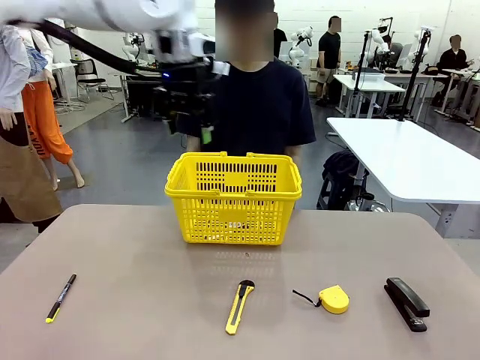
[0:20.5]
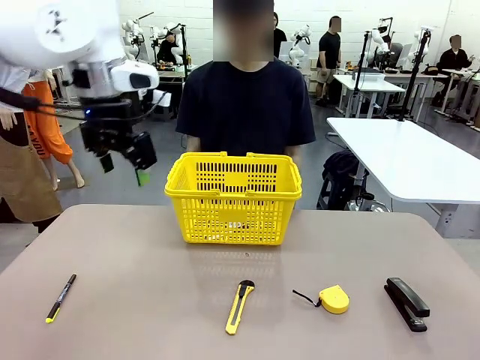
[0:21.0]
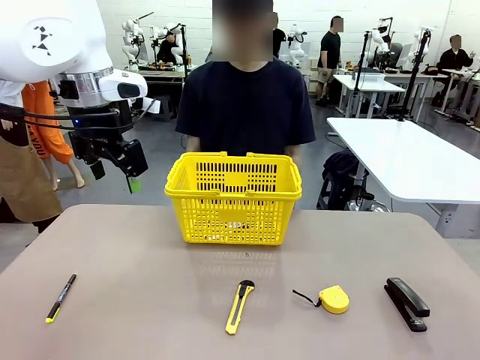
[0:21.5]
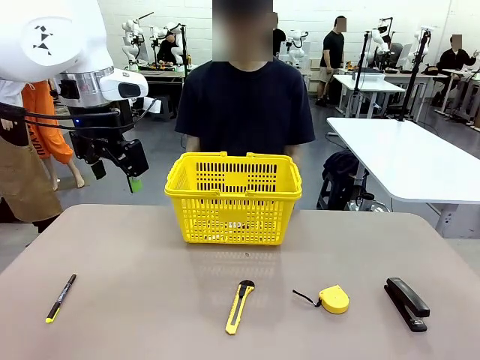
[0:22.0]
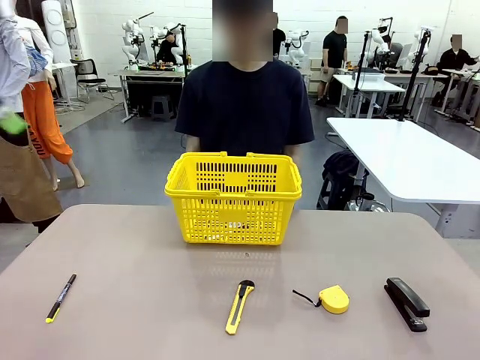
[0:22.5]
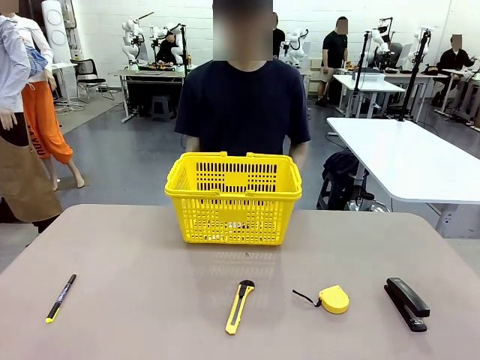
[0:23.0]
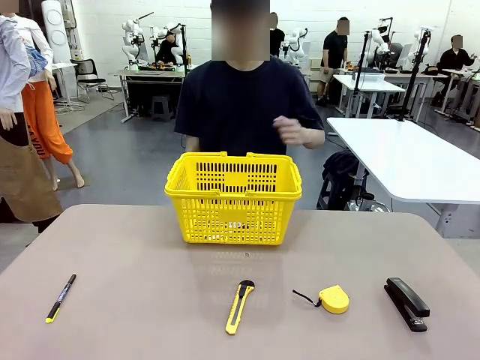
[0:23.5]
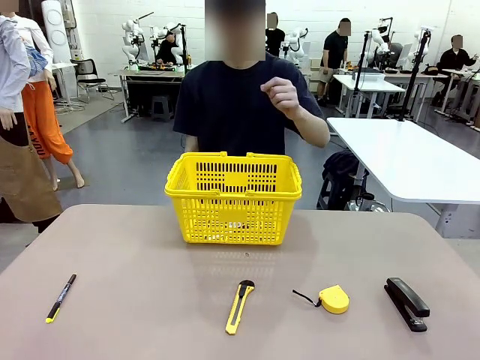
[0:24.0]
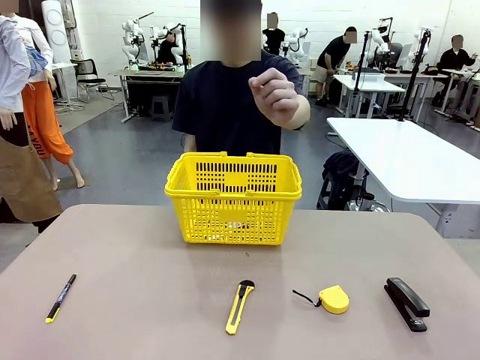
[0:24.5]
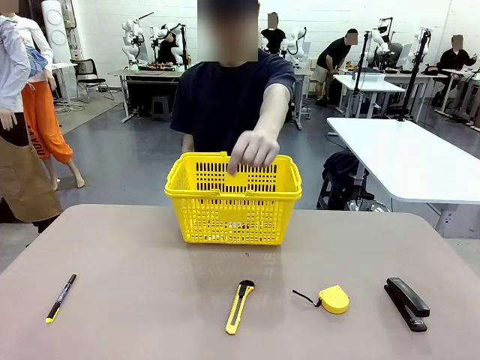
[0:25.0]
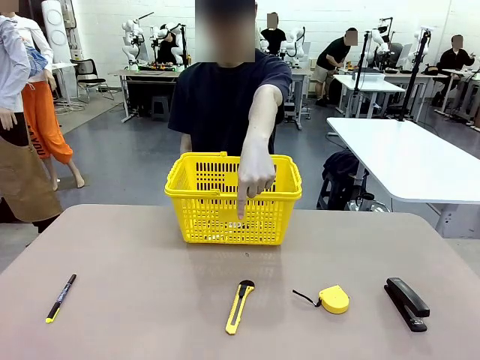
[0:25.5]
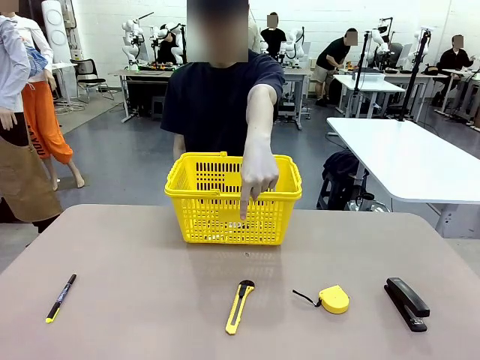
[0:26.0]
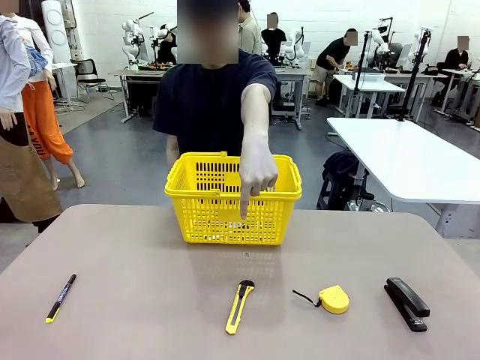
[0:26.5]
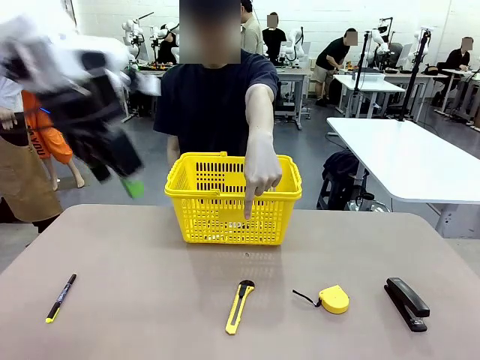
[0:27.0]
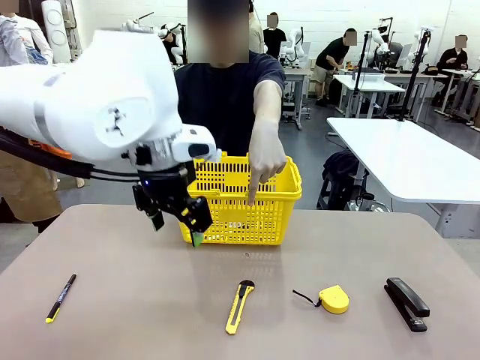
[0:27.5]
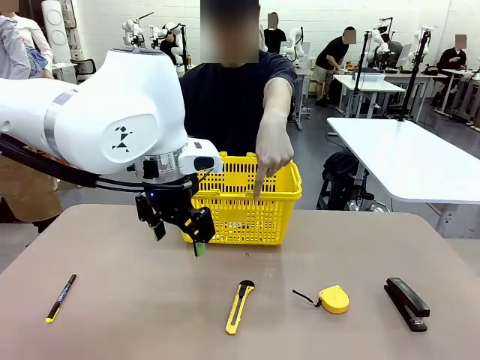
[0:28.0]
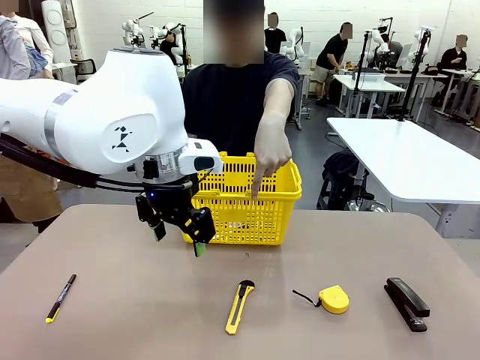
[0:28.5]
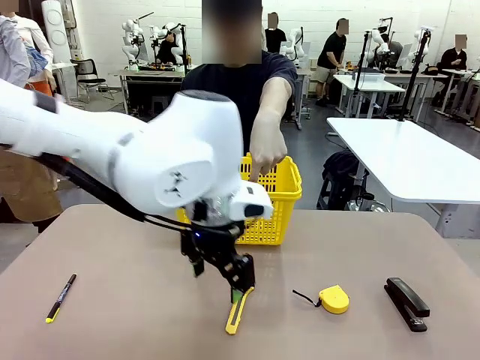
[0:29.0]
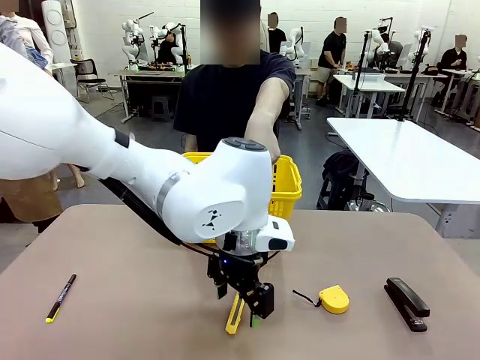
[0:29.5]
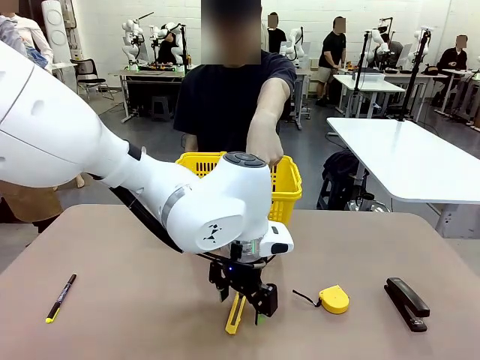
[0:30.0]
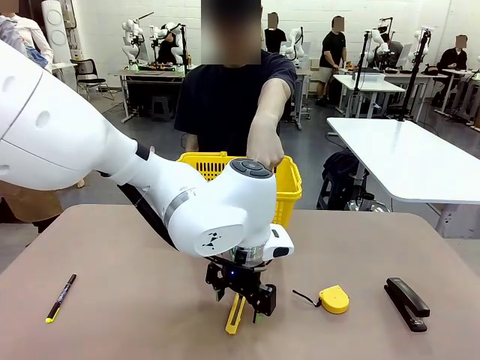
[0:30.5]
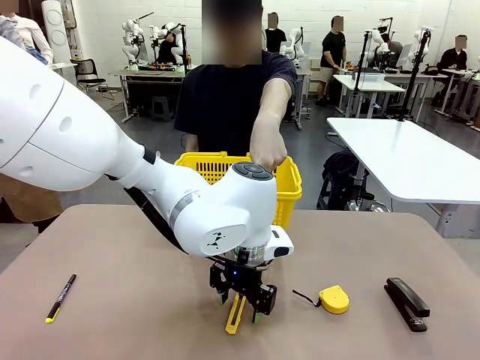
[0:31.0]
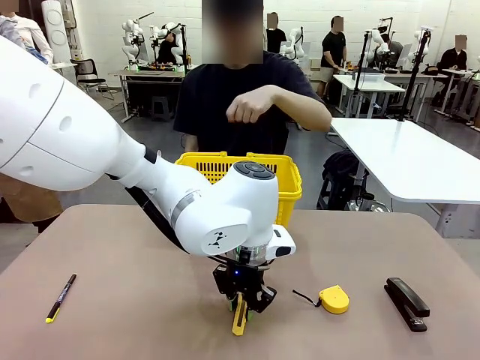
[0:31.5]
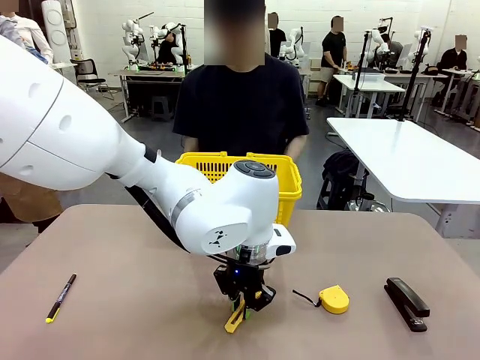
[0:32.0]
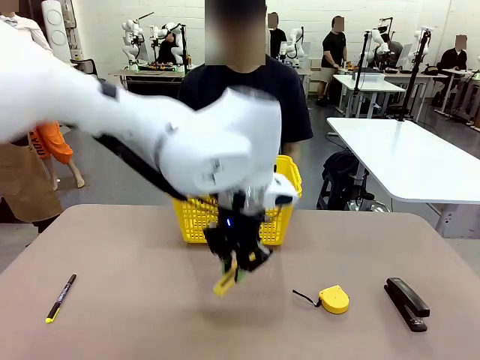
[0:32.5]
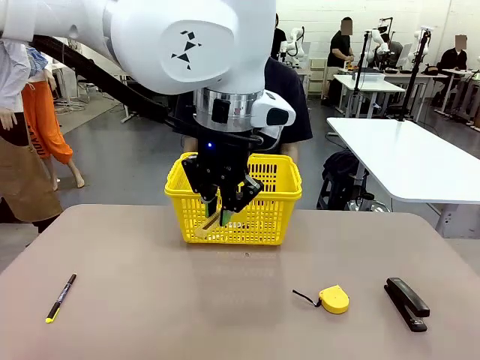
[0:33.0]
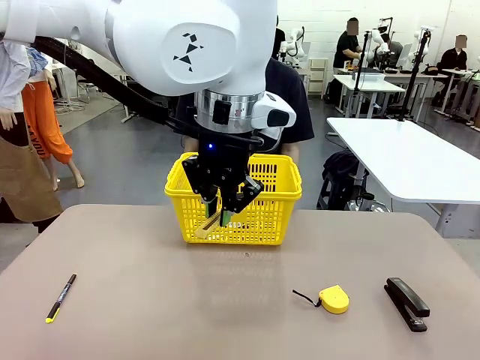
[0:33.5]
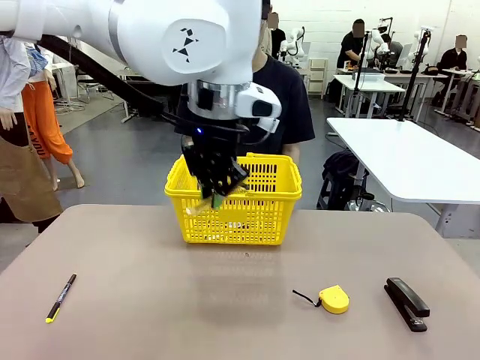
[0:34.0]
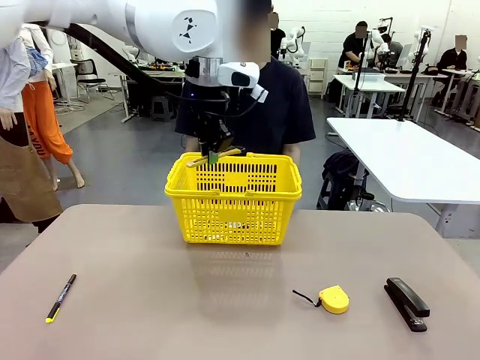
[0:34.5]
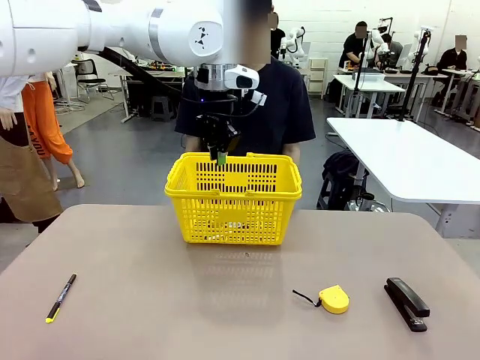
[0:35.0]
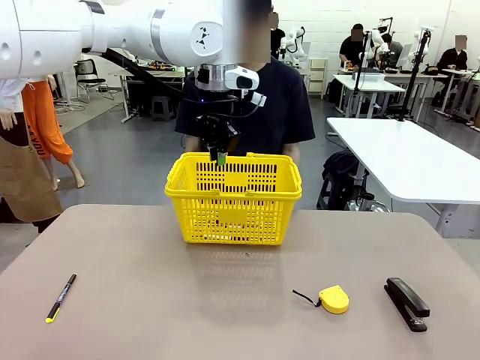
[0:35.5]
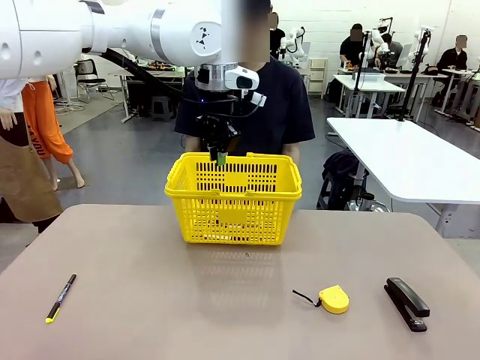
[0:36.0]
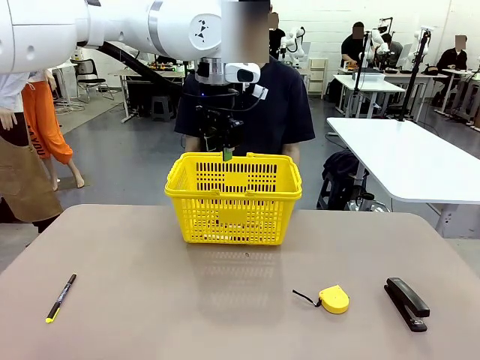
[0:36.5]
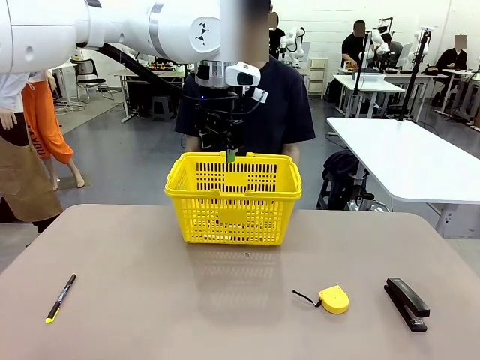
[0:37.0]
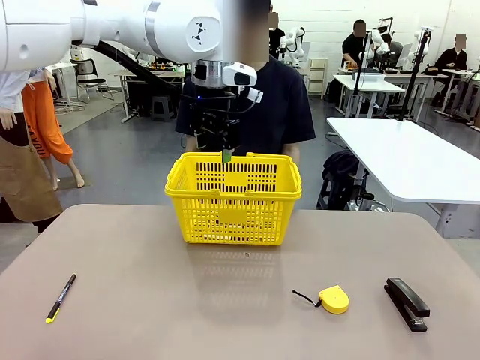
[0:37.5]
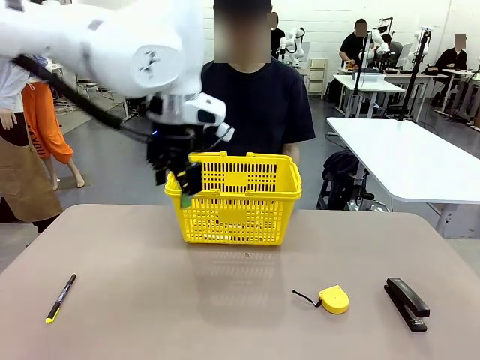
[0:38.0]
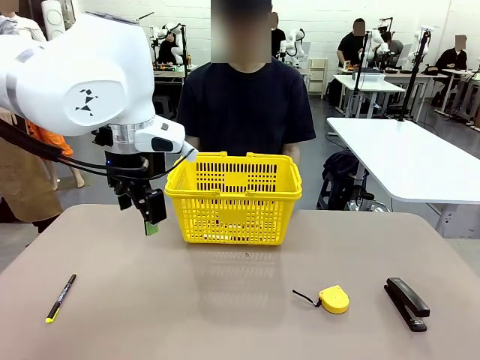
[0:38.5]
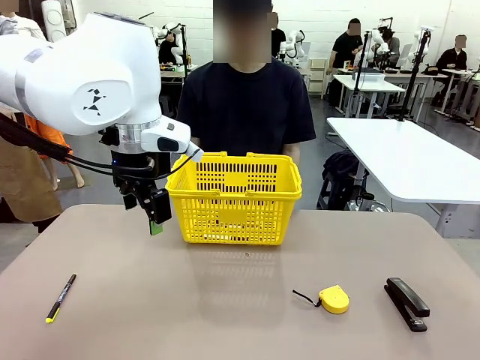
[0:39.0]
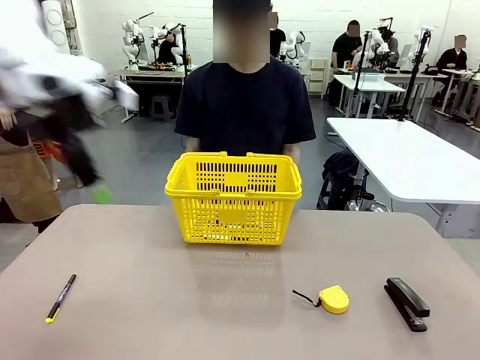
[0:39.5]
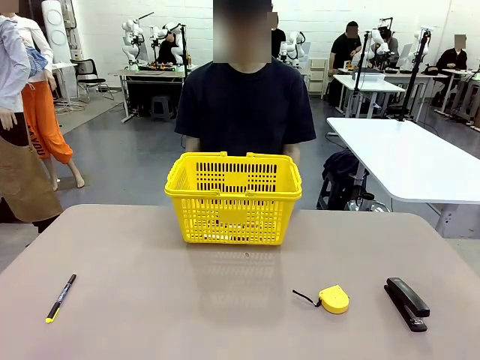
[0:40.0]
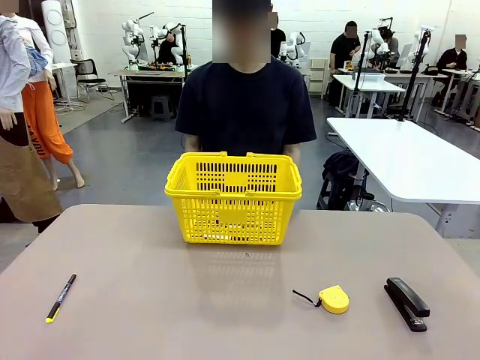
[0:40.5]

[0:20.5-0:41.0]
Task: Place the items the person wants into the basket.
Robot: Pick up the item the person points to and place it in the Market Basket.

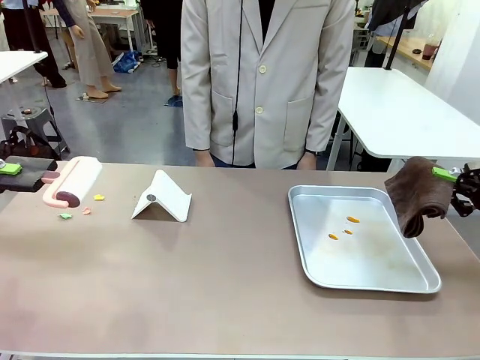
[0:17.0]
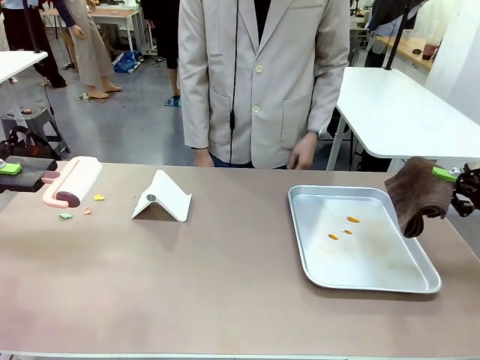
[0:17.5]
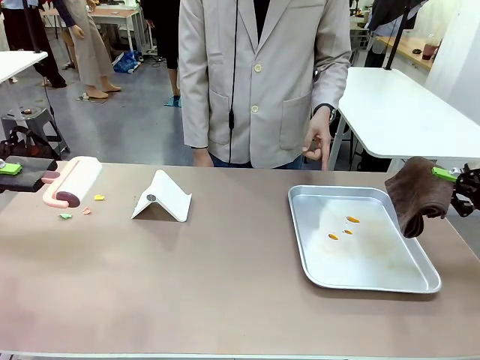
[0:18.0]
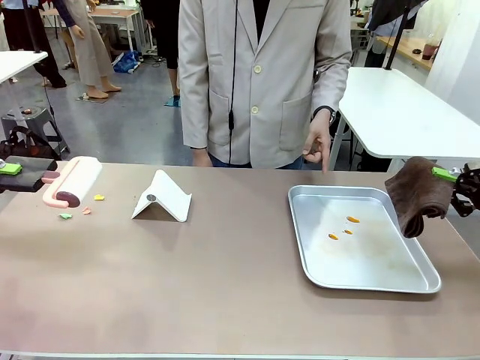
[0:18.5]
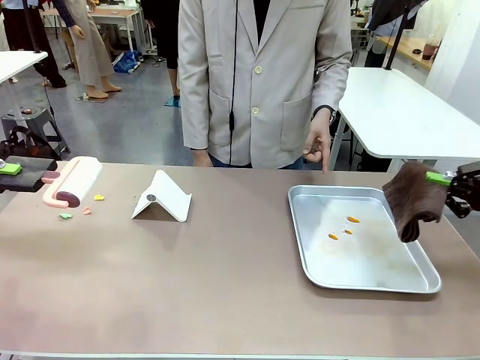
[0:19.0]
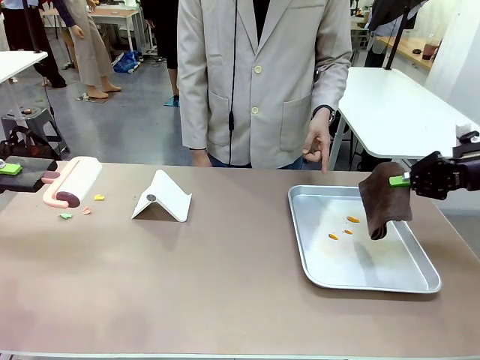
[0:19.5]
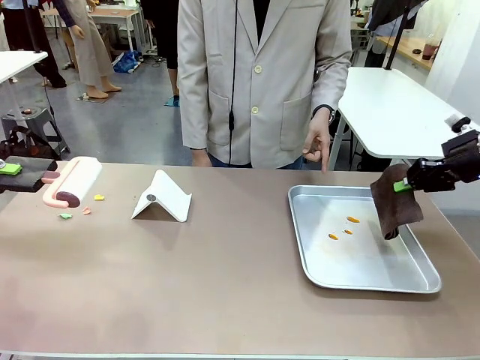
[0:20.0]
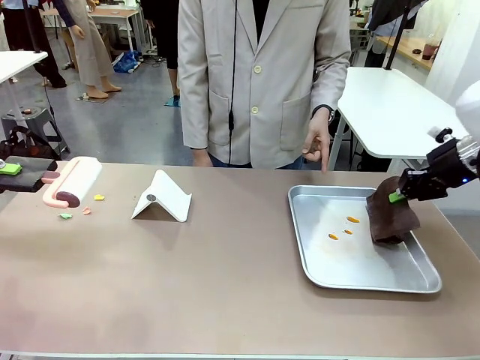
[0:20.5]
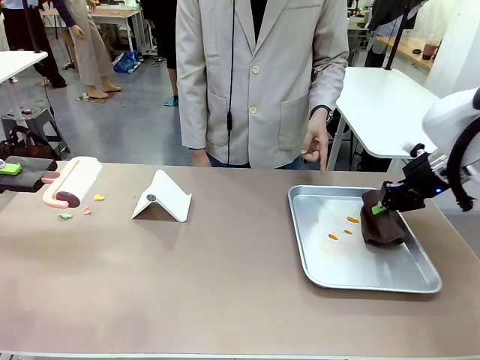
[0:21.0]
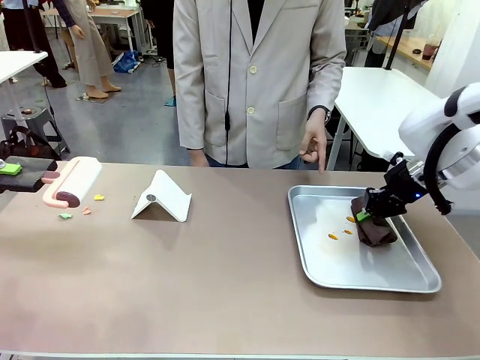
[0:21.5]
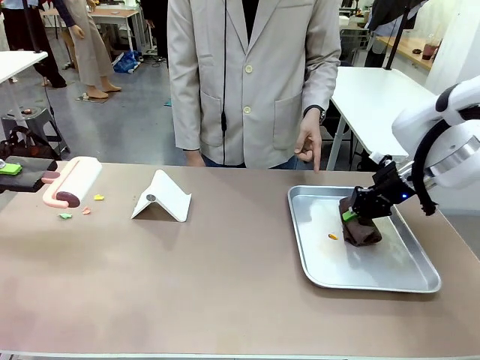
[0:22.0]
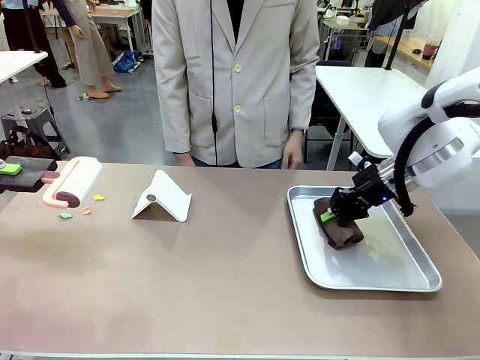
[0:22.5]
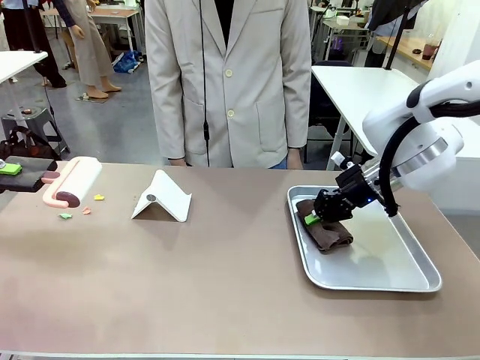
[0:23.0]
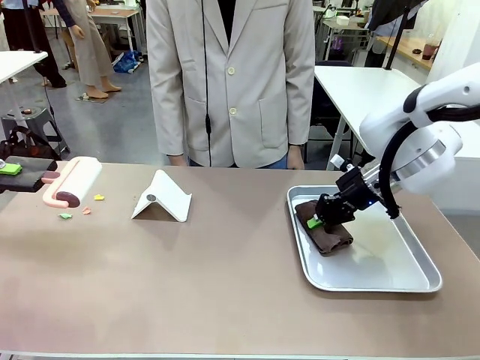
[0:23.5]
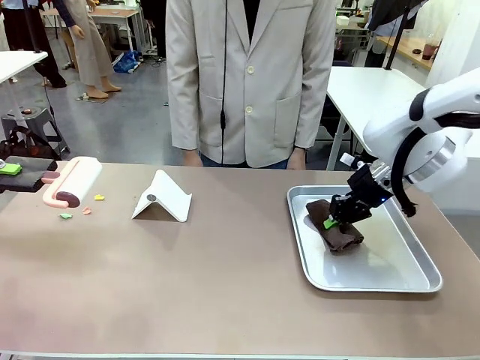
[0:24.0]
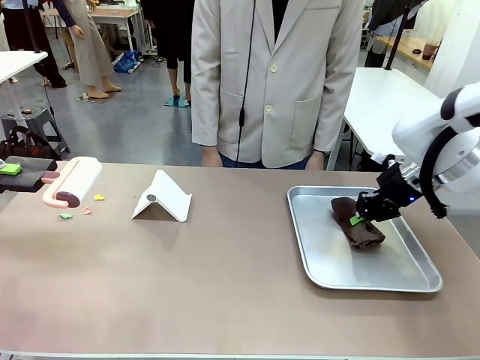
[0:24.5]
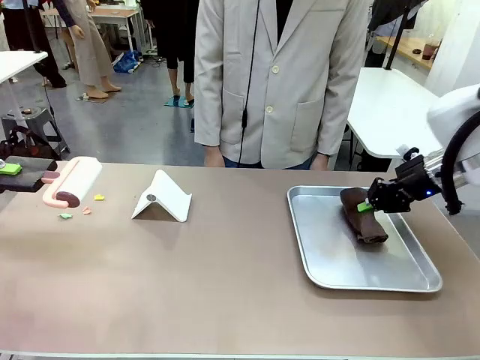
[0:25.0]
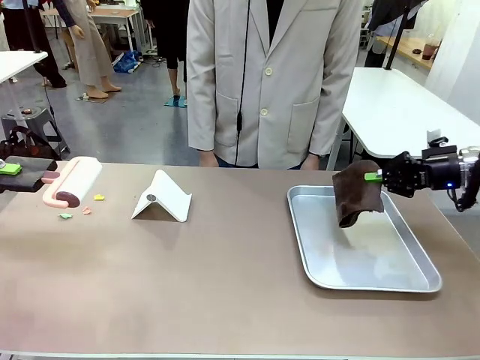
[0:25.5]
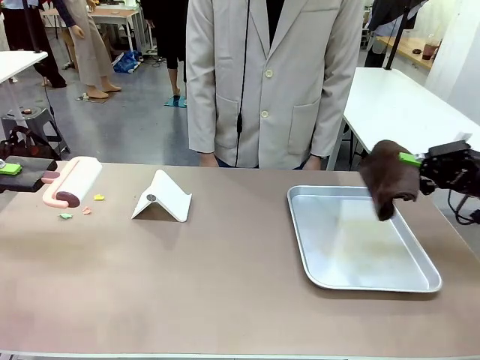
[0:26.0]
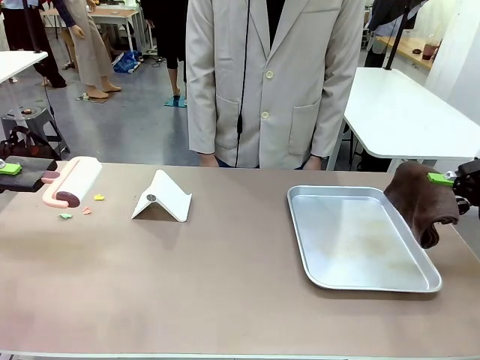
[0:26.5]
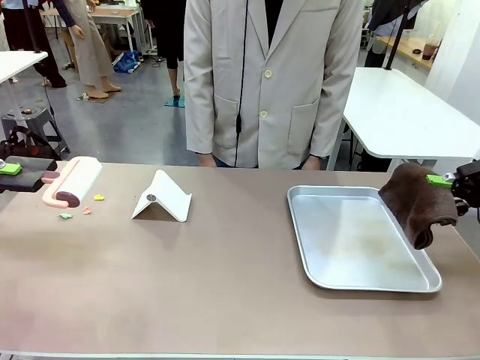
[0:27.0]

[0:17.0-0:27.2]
Task: Clean the surface of the table.
Robot: If a person points to the right, clean the right side of the table with your right hand, and if they point to the left, clean the left side with your left hand.
